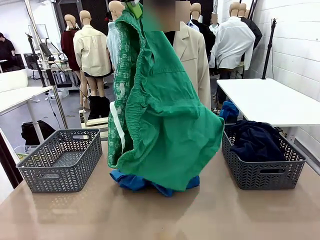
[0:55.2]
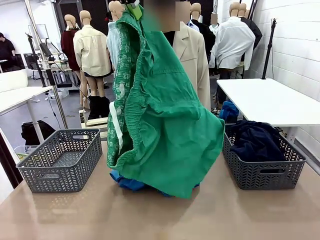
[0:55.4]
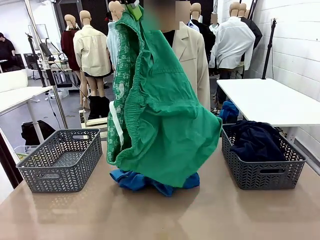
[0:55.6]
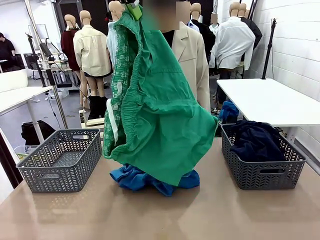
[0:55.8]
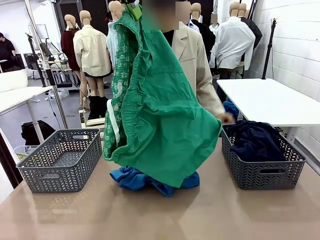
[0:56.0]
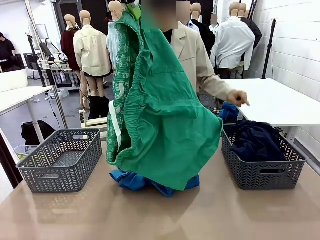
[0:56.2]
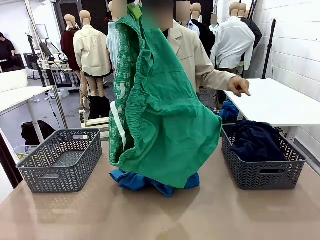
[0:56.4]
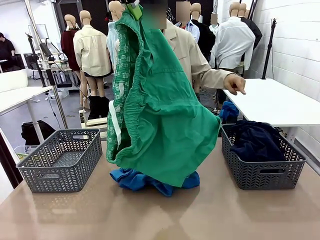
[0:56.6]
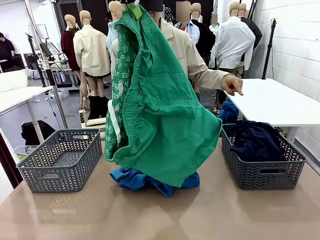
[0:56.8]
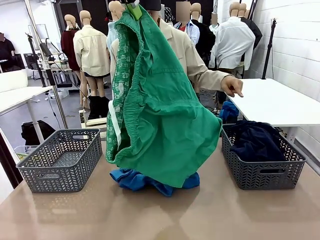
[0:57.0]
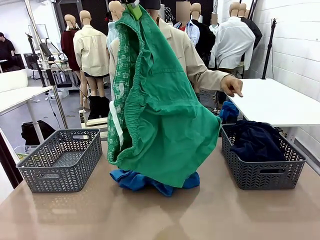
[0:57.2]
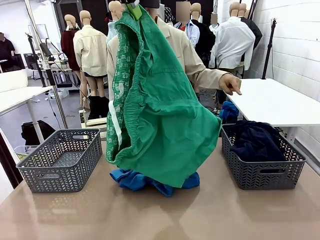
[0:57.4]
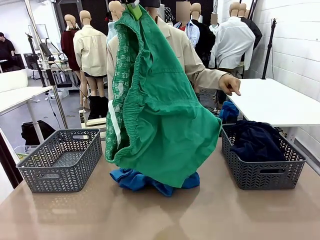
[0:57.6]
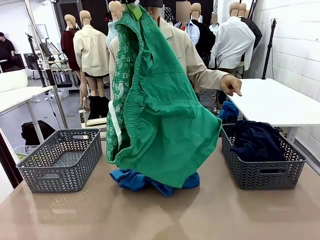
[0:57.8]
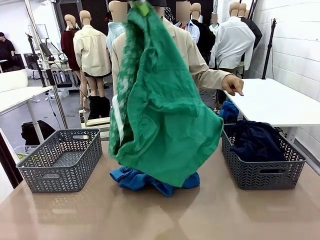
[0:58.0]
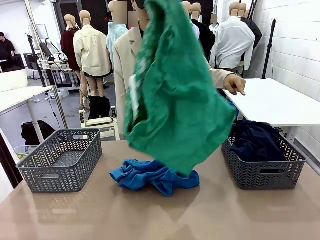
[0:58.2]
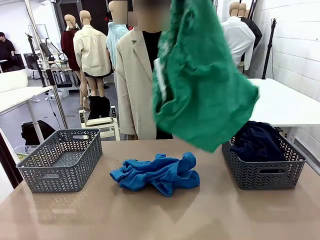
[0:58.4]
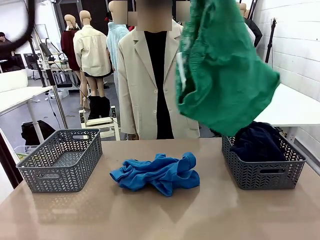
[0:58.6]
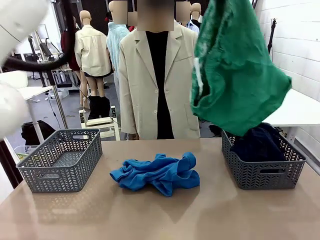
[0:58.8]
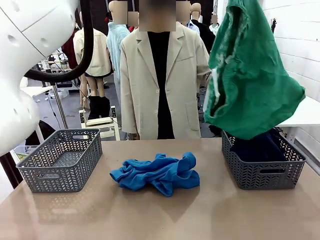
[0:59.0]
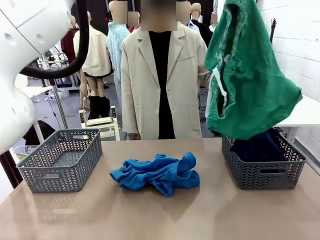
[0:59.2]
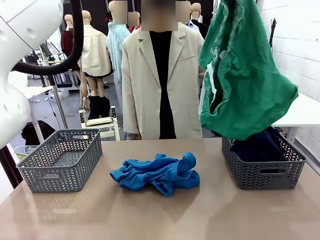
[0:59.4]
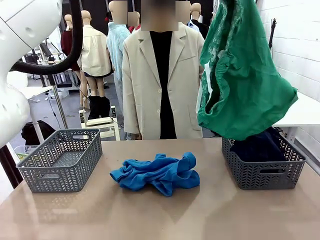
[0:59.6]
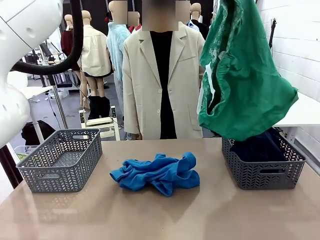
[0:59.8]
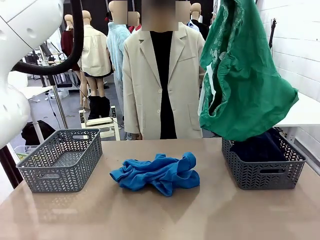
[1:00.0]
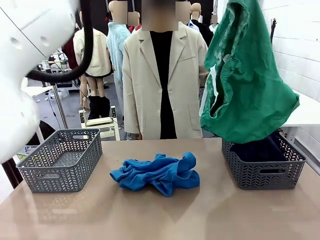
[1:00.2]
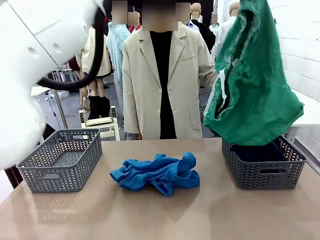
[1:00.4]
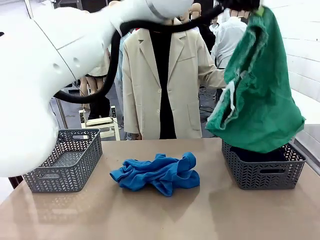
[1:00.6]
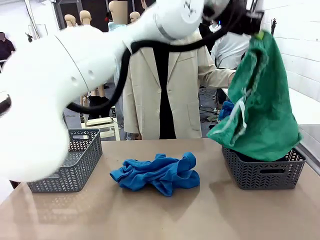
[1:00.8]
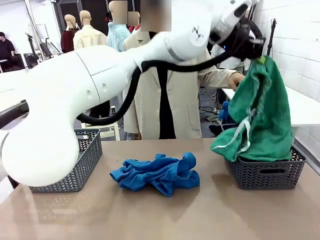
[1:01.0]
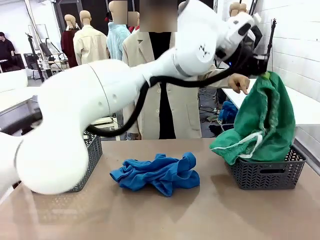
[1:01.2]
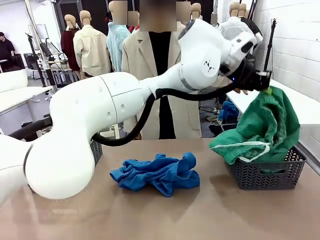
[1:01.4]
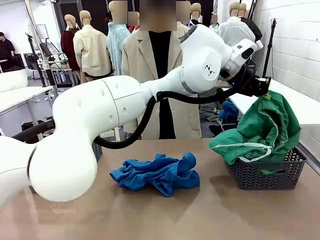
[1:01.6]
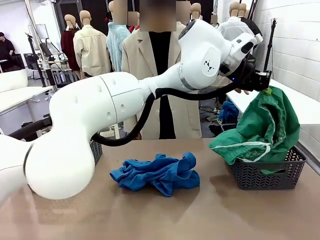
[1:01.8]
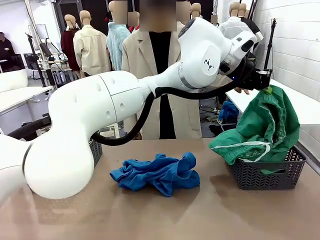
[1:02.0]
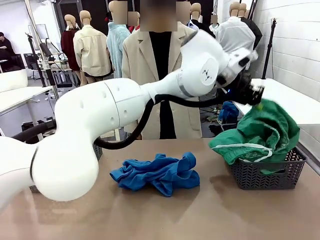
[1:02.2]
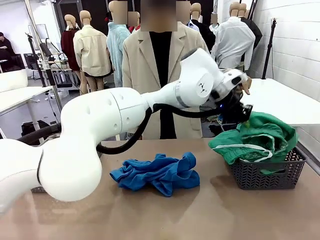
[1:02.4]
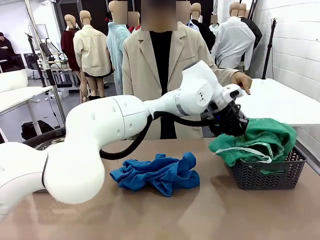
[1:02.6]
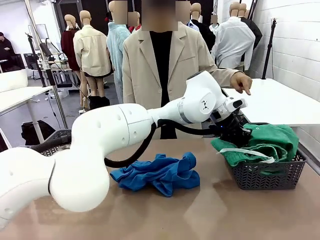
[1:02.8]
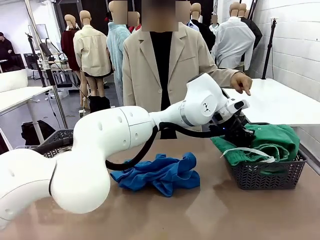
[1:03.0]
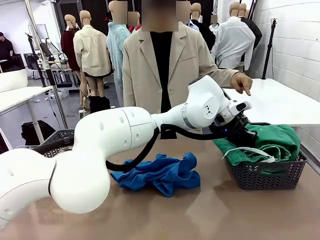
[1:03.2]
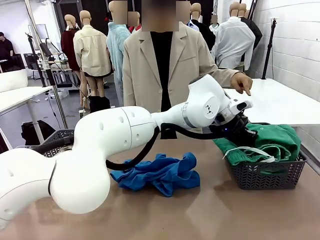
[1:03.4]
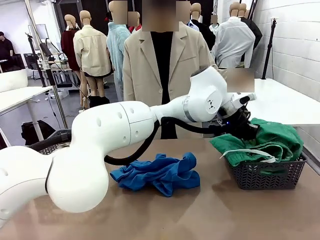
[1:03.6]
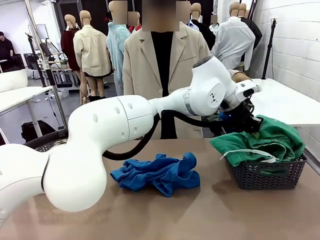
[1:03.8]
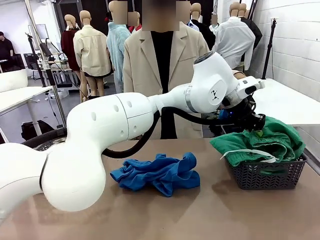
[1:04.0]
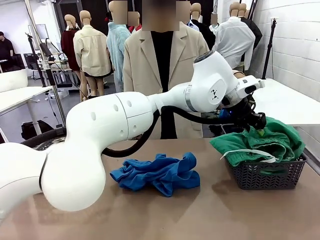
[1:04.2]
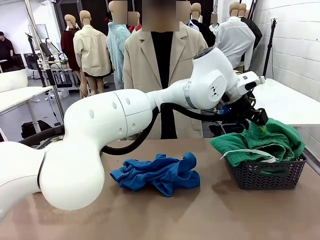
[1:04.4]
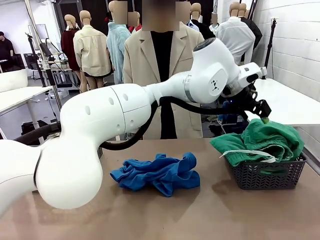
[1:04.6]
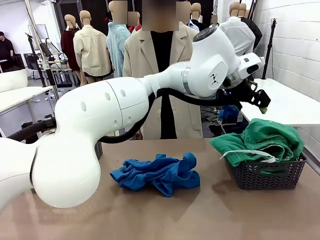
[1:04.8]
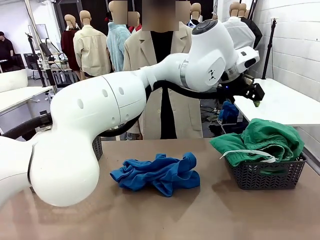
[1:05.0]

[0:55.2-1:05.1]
Task: Sort the tops and bottoms.
Robot: Sort the clothes according to human instructions.

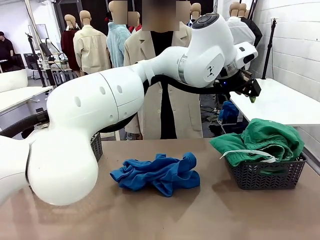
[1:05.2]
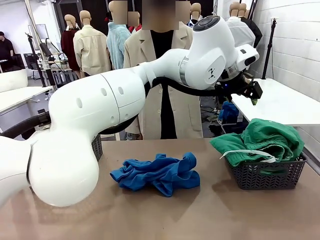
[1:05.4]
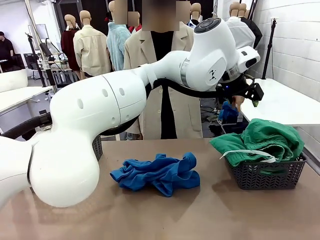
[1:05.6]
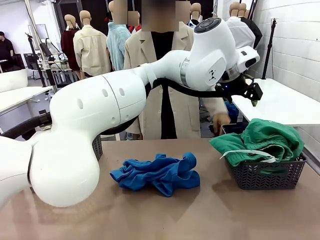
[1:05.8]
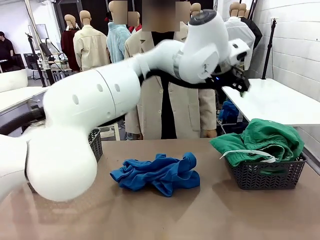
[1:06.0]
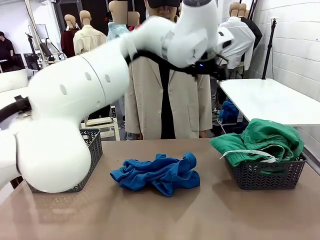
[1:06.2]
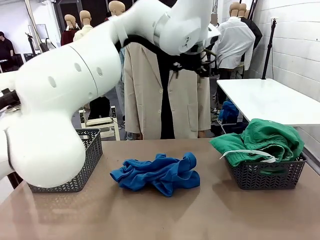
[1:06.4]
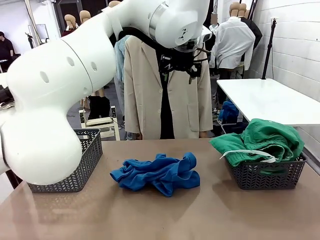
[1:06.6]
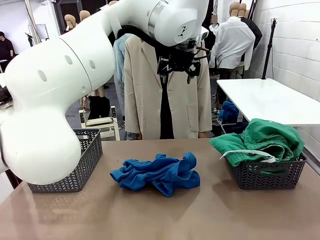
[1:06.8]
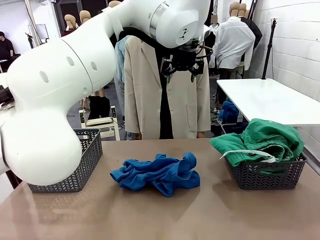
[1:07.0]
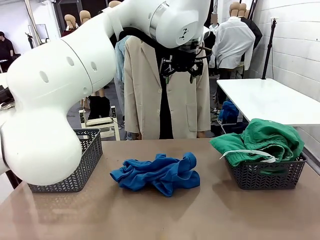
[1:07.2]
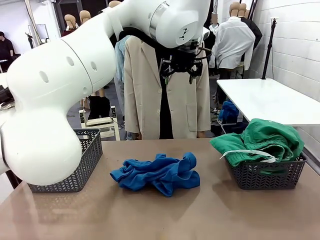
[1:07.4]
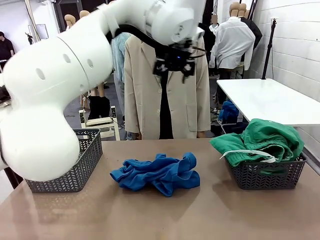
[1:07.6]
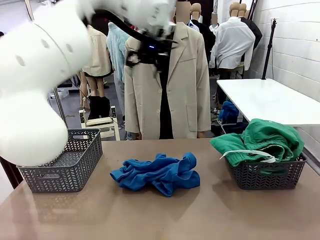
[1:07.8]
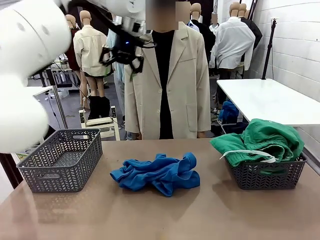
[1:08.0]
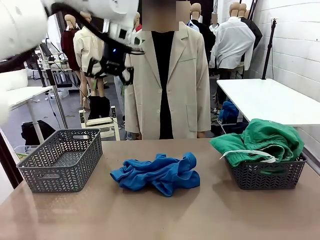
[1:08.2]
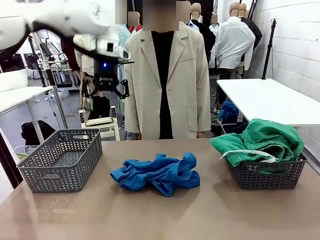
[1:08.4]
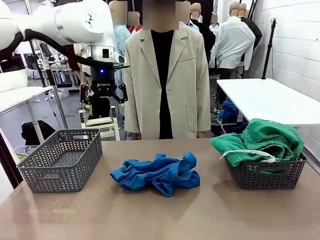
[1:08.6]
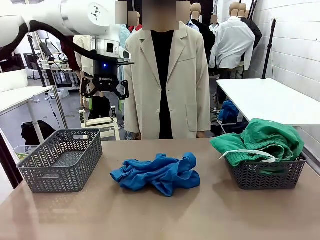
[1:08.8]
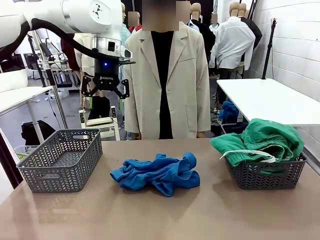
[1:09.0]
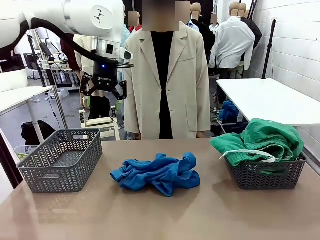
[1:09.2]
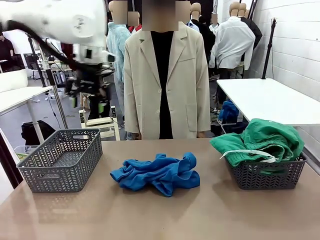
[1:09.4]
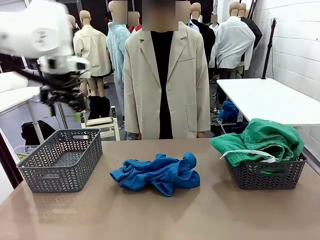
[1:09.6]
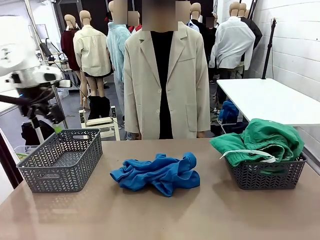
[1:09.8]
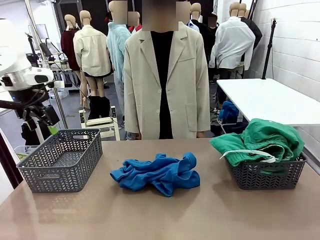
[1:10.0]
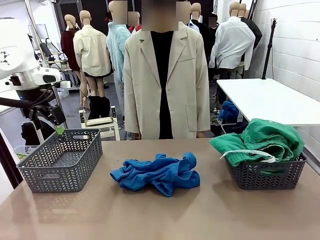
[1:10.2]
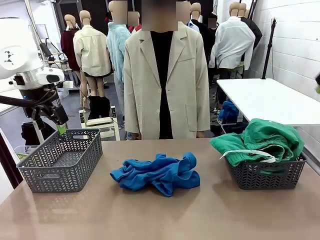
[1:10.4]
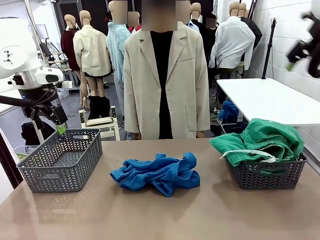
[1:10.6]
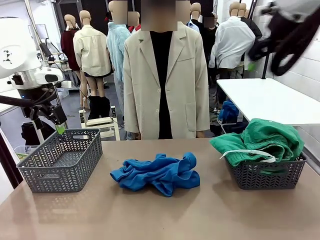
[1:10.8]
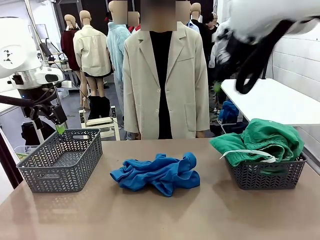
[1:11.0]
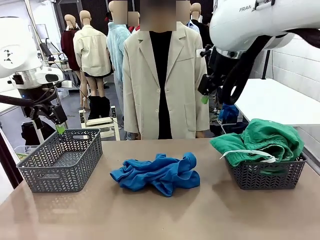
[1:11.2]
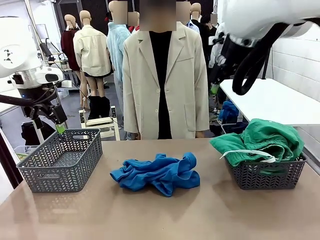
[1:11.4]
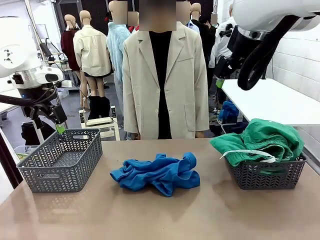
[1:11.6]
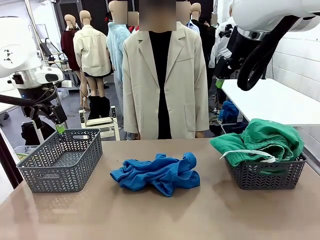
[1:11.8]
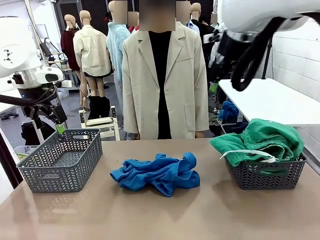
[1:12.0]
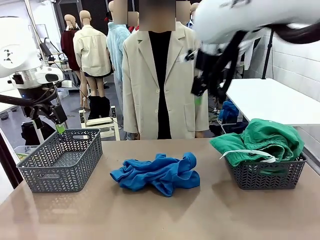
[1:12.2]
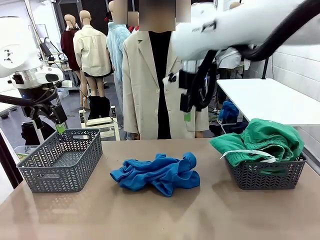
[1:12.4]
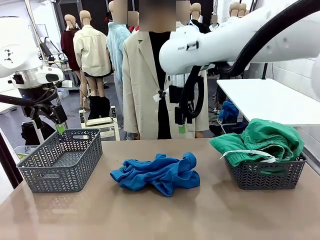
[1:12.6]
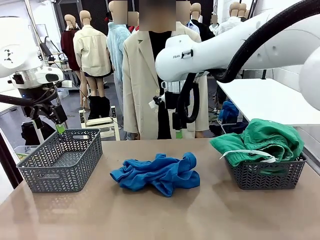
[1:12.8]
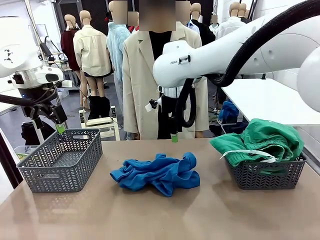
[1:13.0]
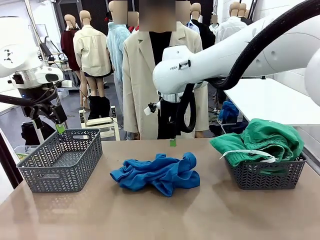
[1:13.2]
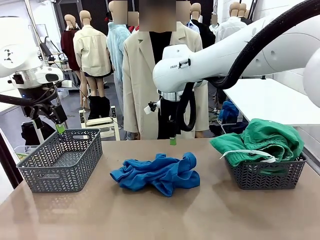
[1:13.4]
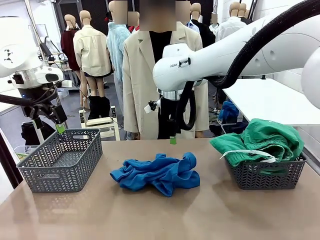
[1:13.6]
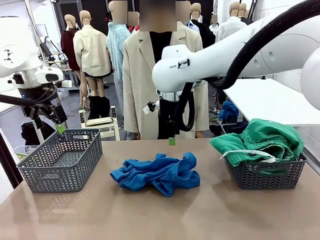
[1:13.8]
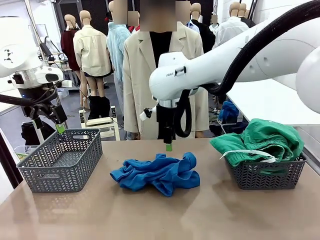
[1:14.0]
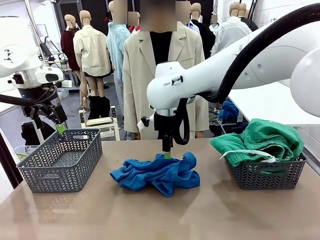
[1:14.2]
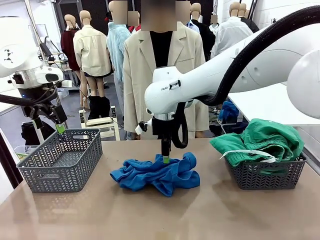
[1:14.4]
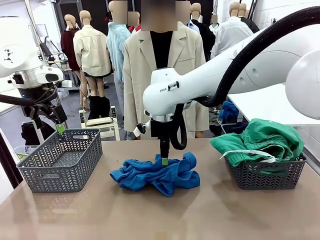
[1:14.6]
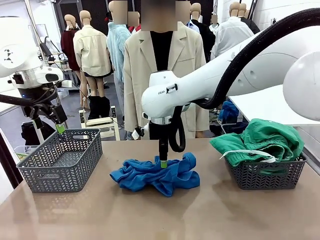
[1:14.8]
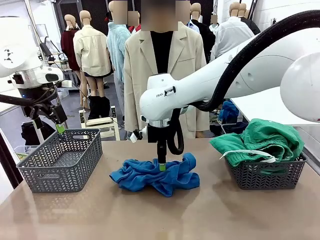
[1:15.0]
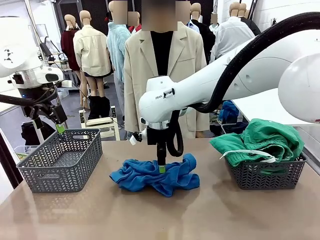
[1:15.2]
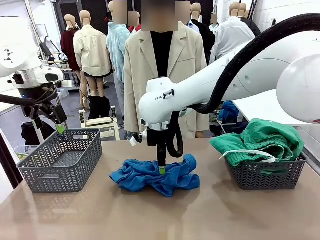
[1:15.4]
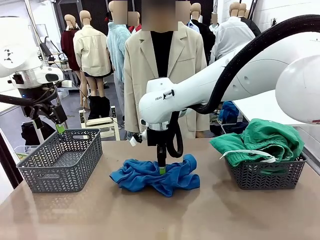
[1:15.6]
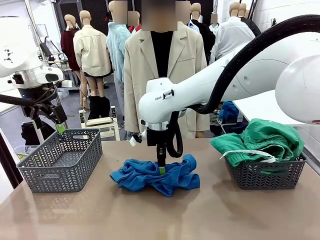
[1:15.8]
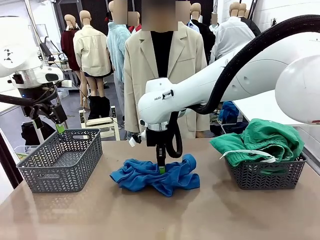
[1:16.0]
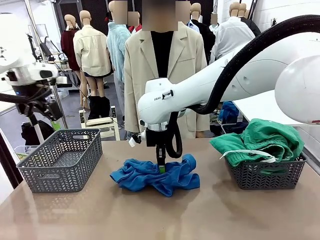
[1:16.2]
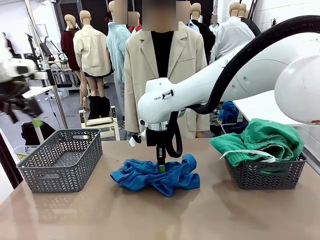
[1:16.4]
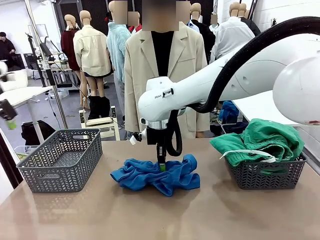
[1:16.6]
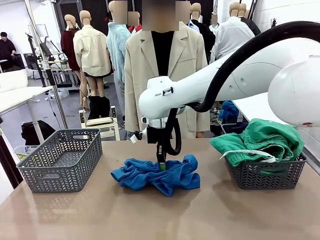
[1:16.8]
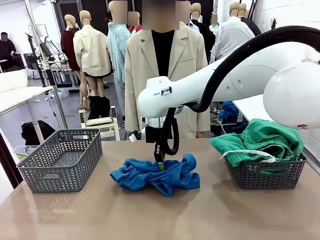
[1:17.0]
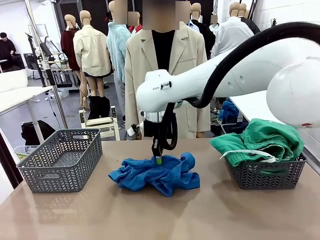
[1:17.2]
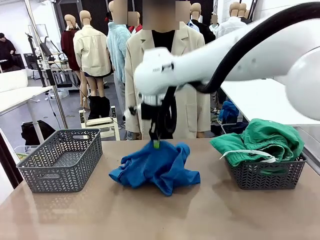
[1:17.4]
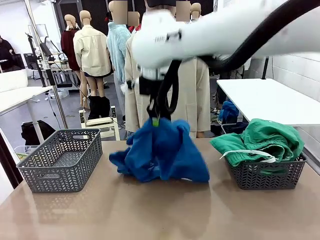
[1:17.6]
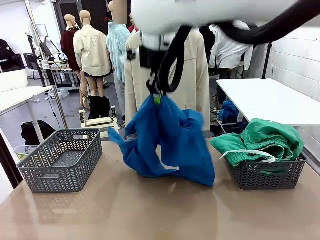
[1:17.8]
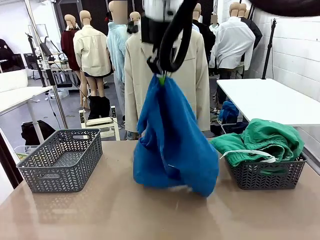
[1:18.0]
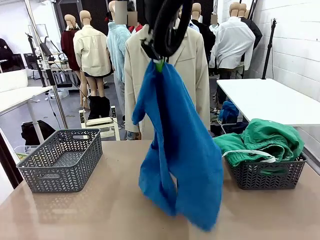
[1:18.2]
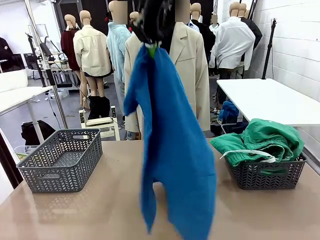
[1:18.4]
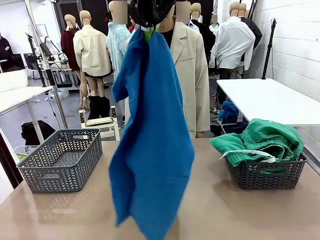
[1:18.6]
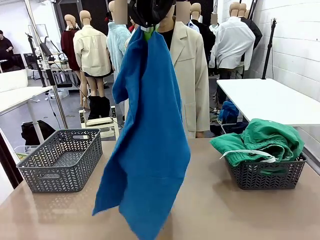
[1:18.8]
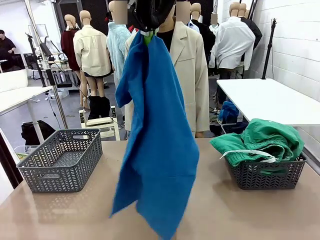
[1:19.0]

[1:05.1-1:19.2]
Robot: Lift clothes from the center of the table with your right hand.
